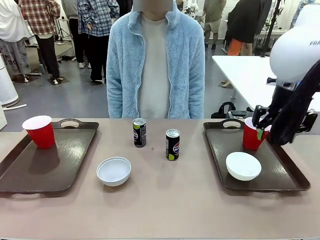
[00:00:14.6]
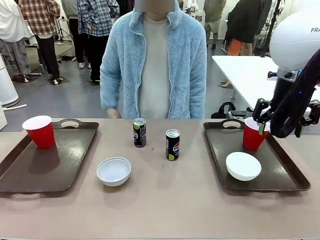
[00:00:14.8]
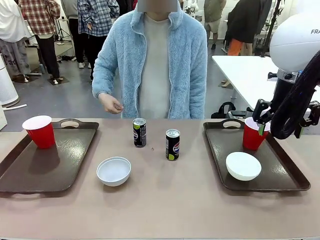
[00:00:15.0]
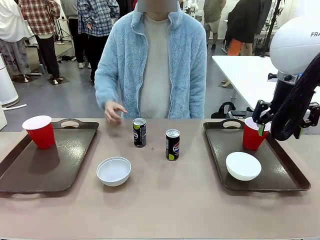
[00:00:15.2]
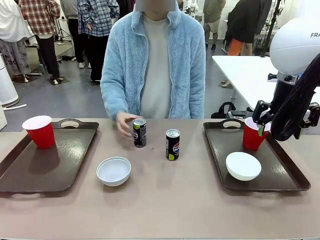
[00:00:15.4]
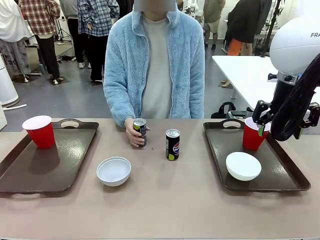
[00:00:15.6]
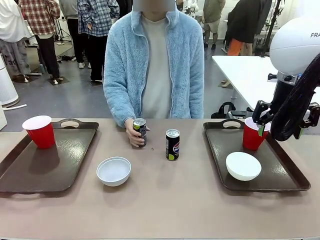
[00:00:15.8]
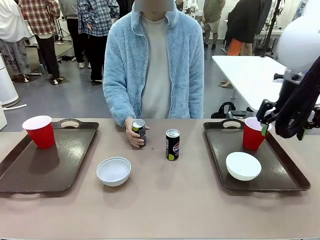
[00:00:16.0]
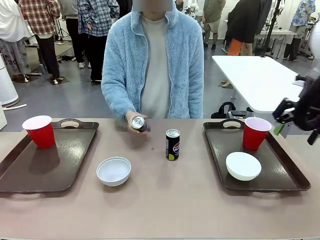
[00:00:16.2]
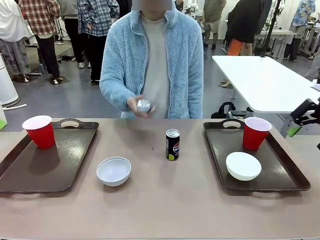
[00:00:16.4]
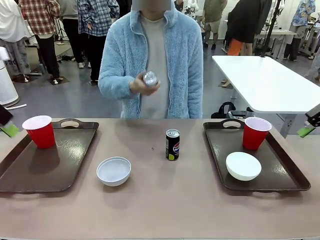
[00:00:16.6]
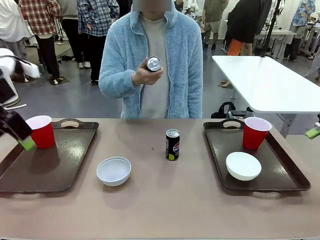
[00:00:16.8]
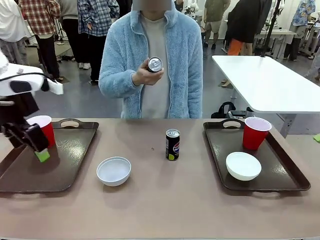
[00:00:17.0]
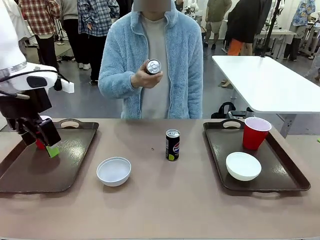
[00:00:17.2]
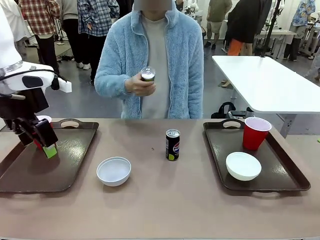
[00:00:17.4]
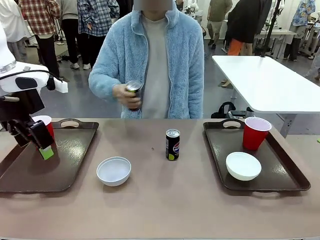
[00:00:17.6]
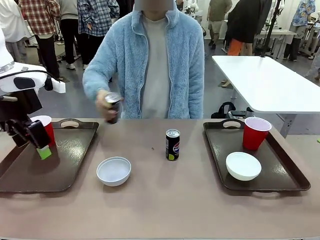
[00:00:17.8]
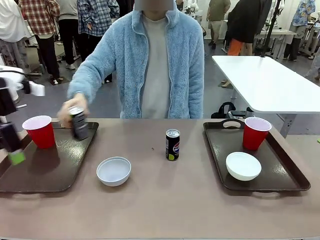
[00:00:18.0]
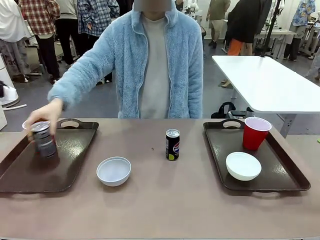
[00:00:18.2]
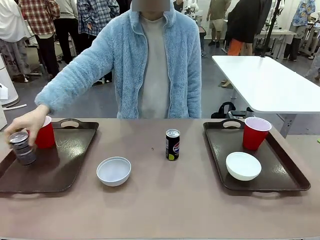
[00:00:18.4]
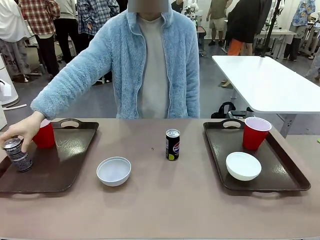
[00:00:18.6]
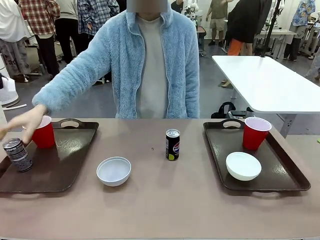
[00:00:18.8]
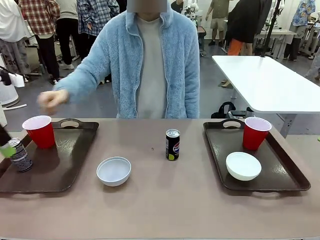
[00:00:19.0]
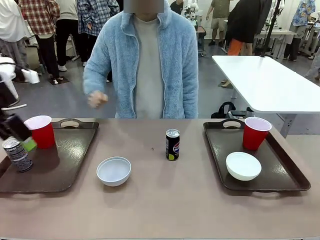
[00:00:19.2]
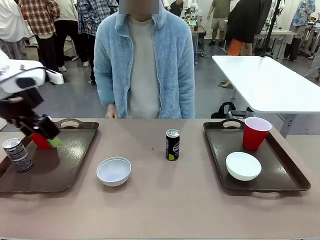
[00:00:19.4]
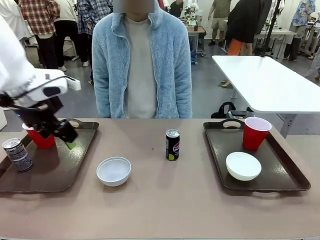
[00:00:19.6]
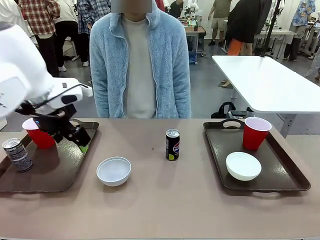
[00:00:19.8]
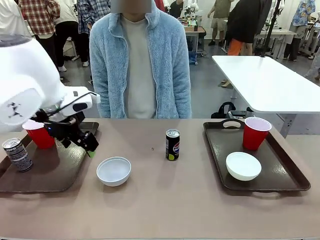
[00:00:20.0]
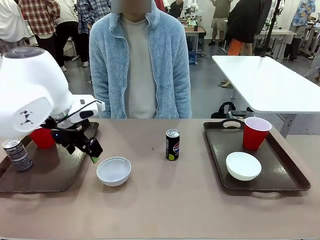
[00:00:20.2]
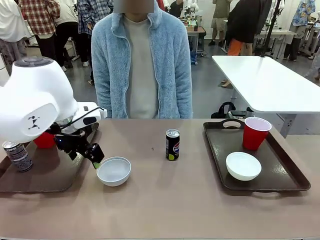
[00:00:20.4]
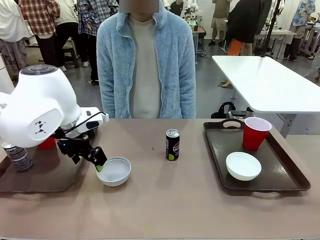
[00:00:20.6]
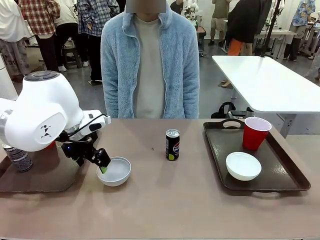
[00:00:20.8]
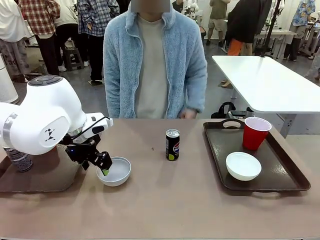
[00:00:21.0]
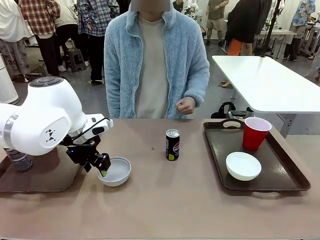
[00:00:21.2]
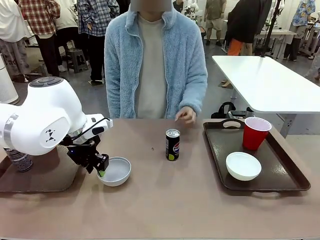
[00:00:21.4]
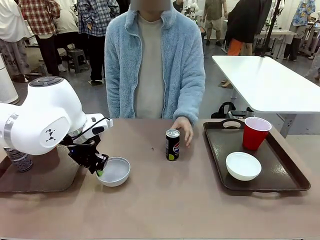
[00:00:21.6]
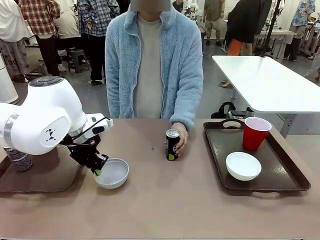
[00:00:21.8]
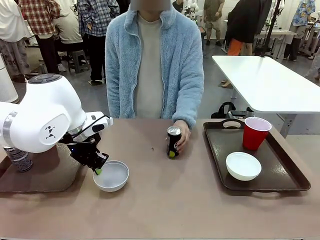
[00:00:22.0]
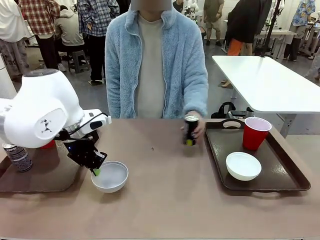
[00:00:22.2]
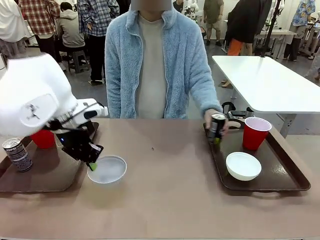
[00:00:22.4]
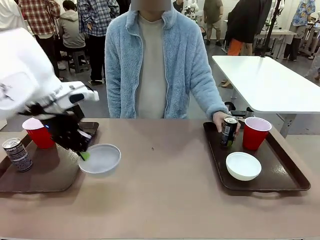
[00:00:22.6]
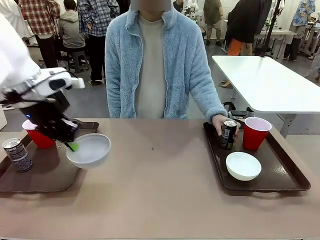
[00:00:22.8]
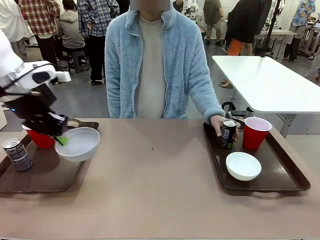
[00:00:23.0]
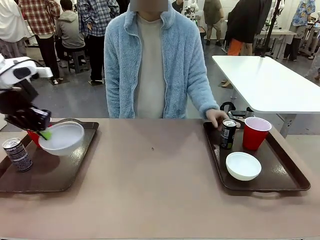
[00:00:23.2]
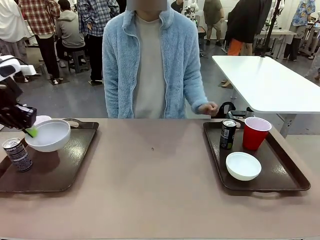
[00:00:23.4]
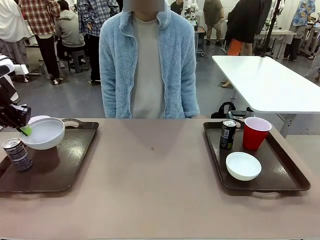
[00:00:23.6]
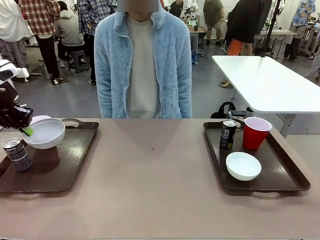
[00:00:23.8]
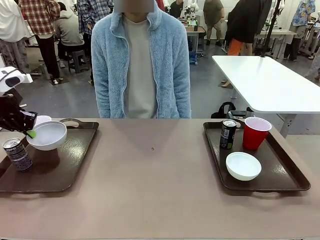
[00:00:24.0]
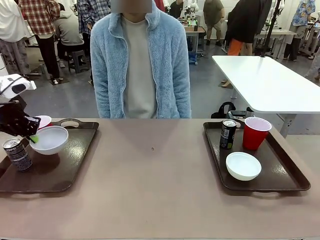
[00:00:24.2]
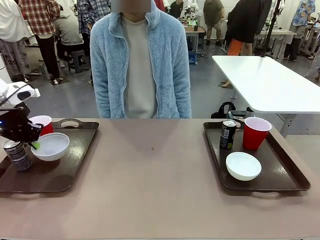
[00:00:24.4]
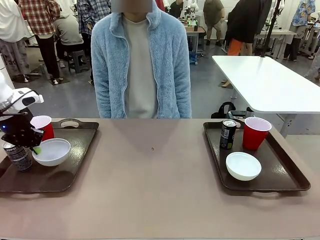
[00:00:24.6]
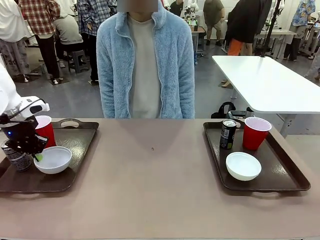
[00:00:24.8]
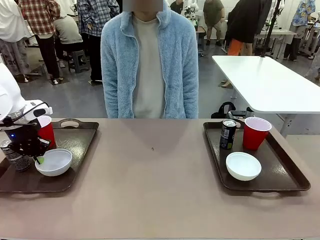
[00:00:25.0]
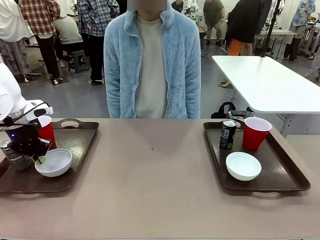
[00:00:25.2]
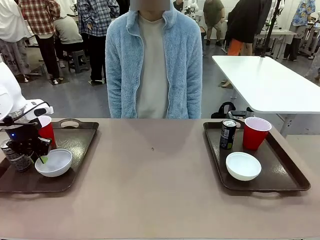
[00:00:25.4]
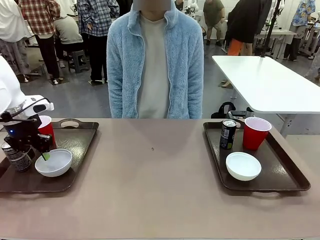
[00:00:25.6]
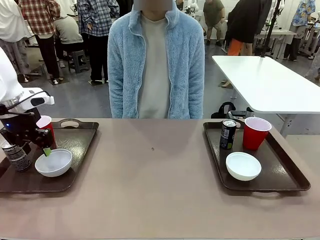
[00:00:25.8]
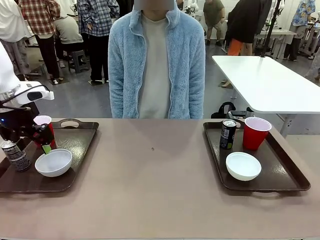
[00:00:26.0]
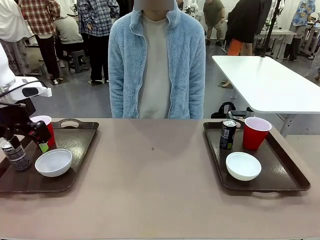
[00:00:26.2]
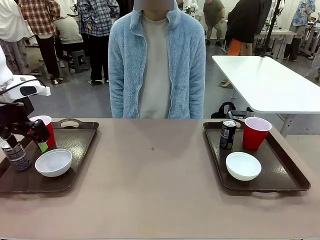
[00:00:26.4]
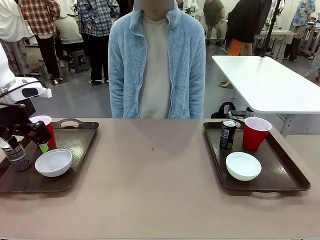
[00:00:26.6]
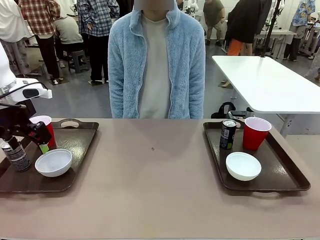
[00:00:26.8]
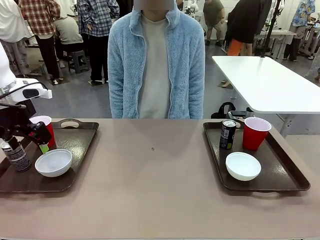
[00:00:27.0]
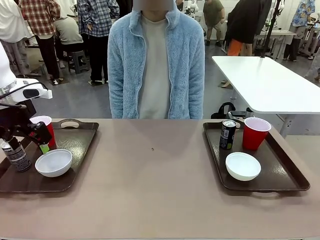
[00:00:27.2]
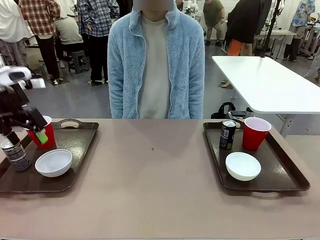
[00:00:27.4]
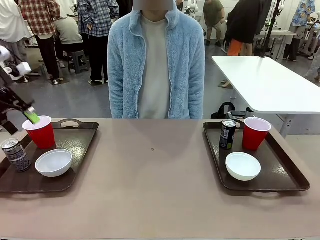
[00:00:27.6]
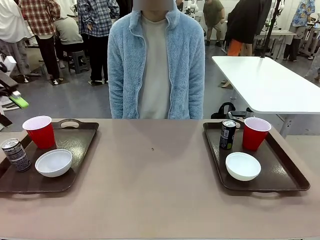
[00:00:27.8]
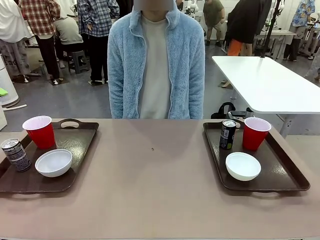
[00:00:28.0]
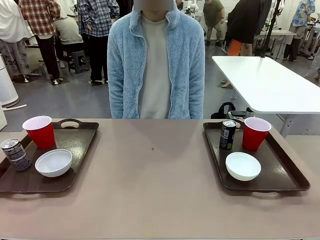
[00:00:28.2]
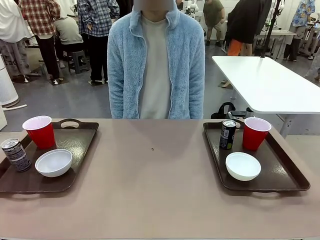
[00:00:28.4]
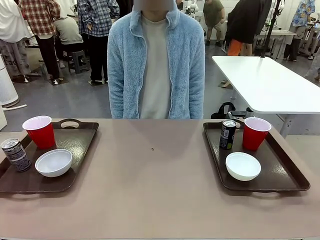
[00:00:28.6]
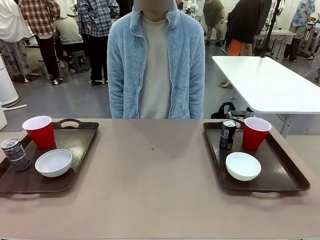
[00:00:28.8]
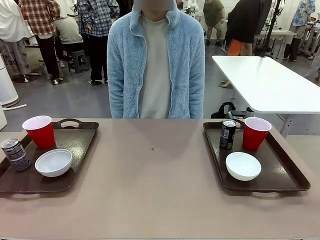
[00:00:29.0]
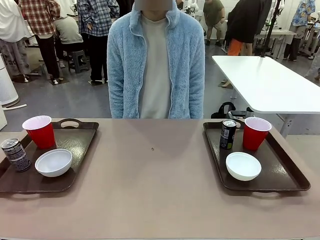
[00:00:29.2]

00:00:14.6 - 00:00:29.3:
Task: Prepare tableware on both trays.
Robot: Pick up a Picnic Bowl from the table and place it on a Handle tray.
Person: Pick up a can or cup and place it on the tray without a can or cup.
